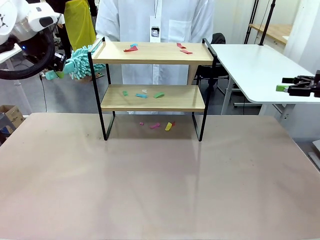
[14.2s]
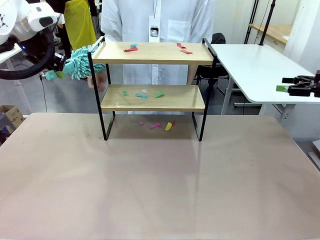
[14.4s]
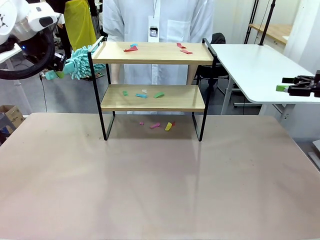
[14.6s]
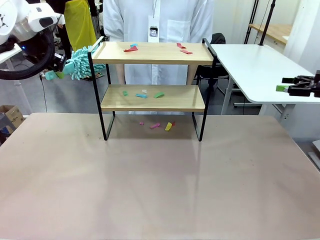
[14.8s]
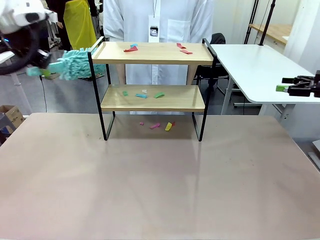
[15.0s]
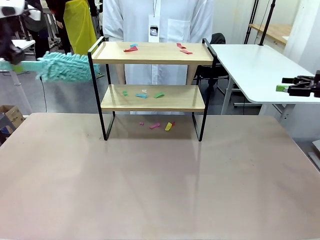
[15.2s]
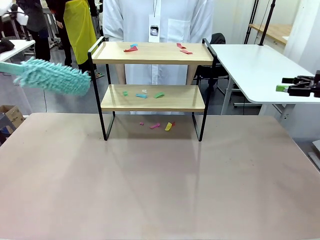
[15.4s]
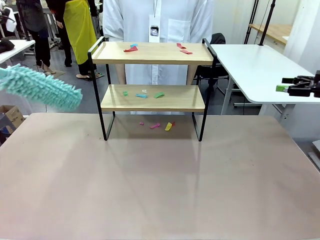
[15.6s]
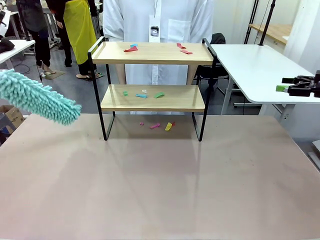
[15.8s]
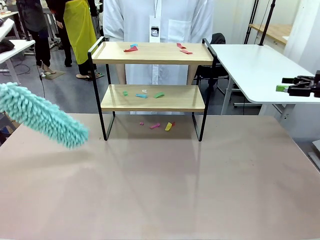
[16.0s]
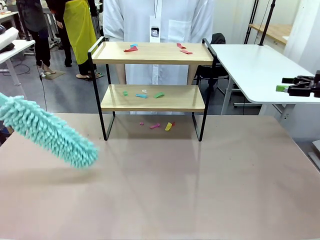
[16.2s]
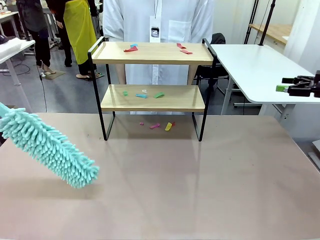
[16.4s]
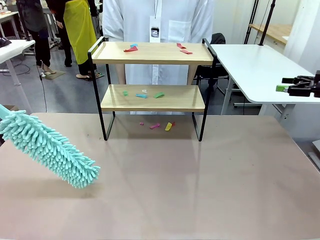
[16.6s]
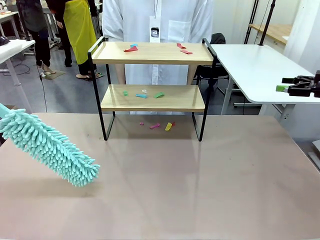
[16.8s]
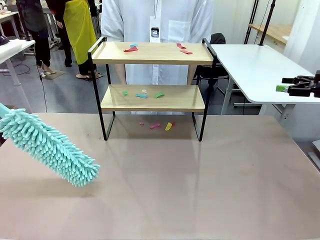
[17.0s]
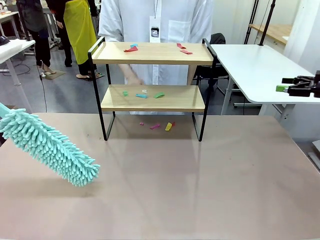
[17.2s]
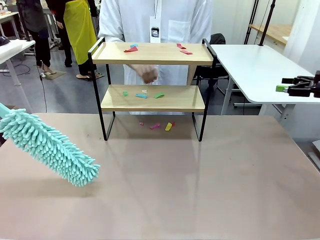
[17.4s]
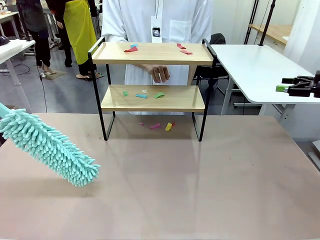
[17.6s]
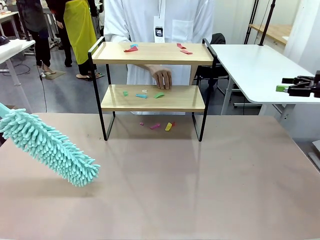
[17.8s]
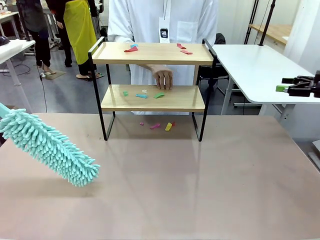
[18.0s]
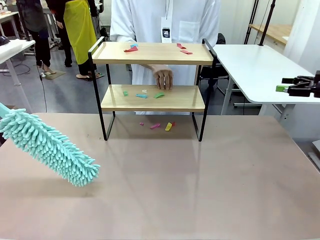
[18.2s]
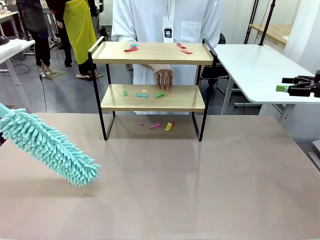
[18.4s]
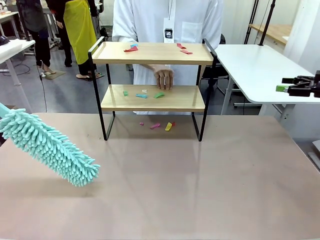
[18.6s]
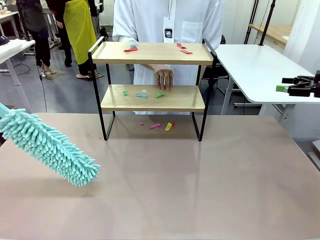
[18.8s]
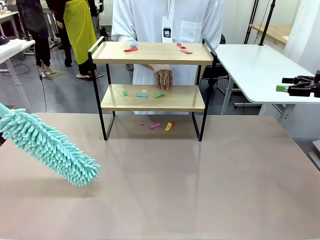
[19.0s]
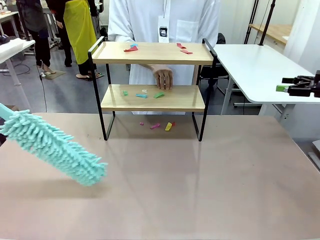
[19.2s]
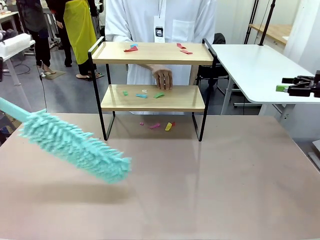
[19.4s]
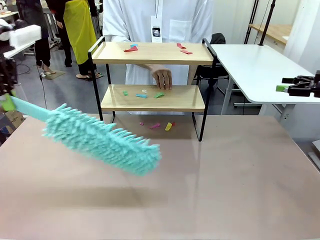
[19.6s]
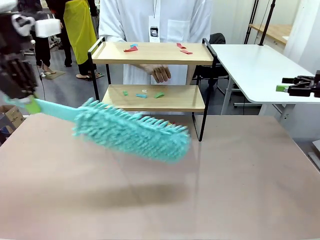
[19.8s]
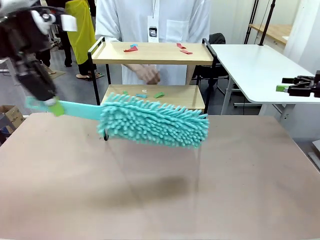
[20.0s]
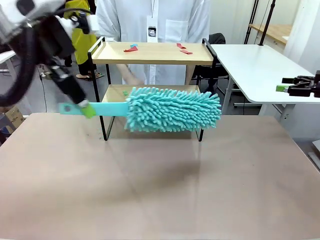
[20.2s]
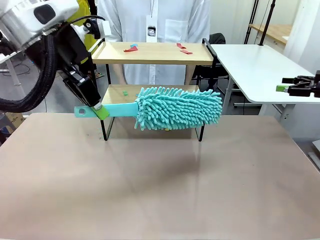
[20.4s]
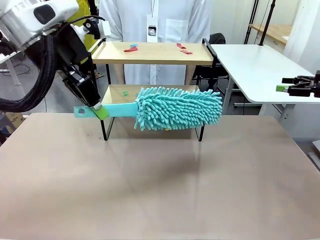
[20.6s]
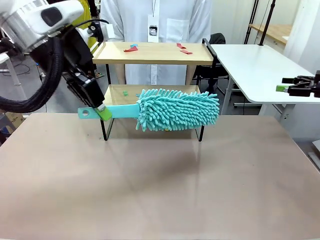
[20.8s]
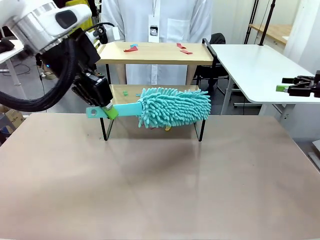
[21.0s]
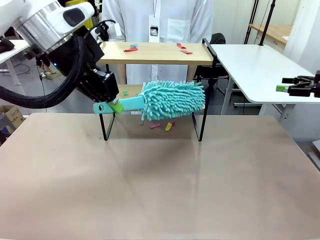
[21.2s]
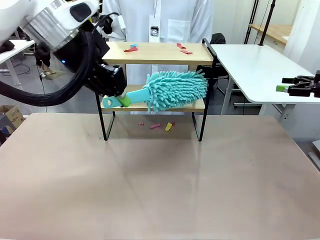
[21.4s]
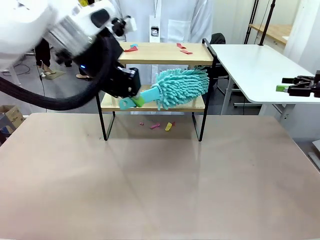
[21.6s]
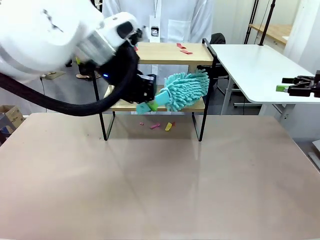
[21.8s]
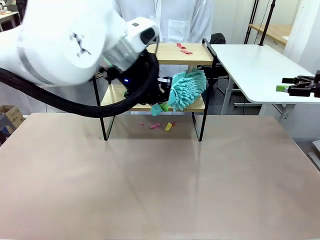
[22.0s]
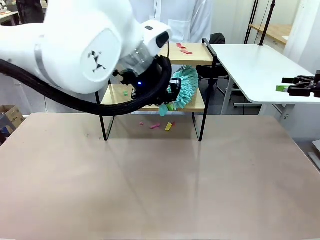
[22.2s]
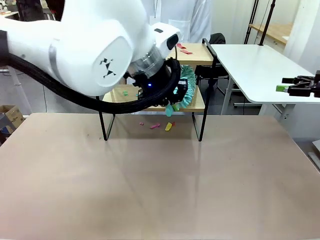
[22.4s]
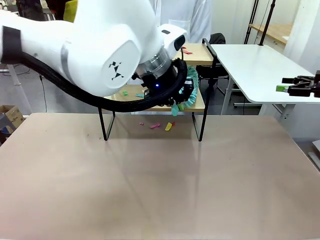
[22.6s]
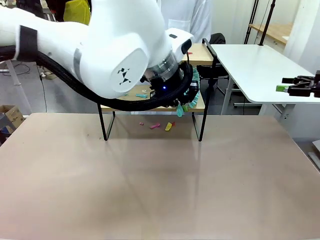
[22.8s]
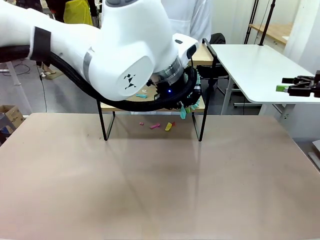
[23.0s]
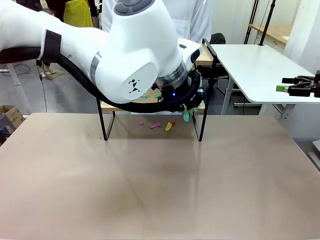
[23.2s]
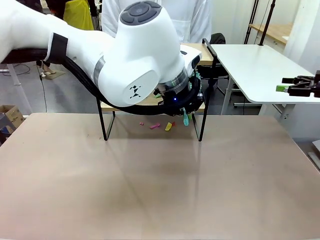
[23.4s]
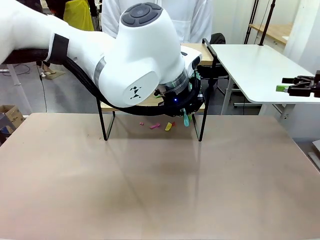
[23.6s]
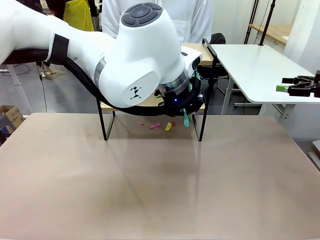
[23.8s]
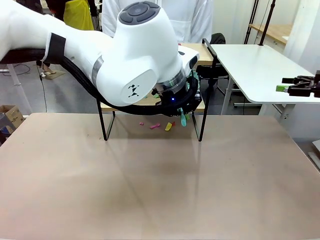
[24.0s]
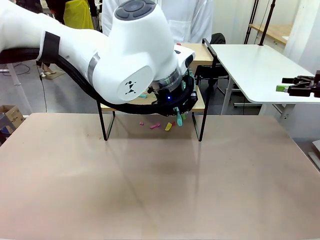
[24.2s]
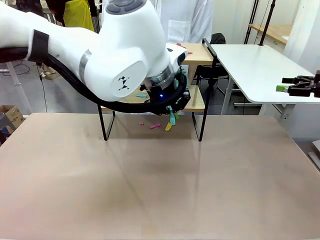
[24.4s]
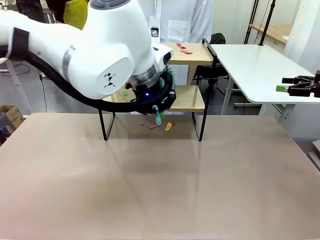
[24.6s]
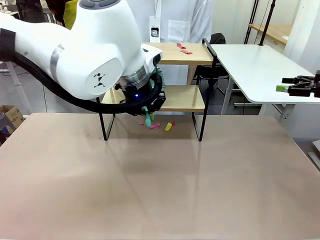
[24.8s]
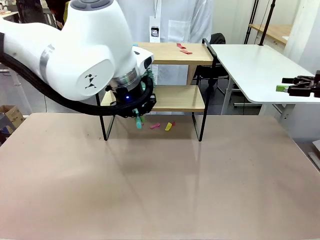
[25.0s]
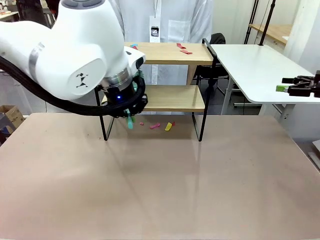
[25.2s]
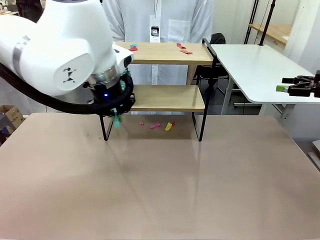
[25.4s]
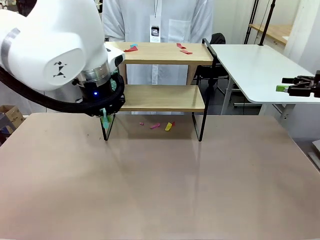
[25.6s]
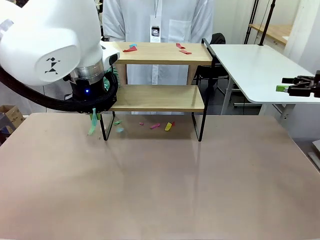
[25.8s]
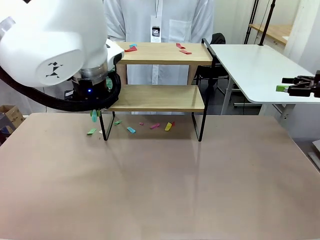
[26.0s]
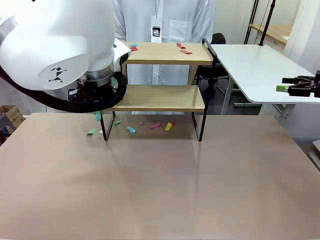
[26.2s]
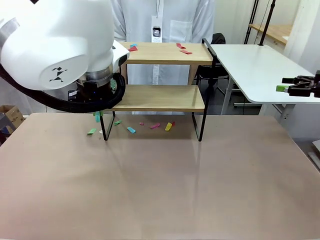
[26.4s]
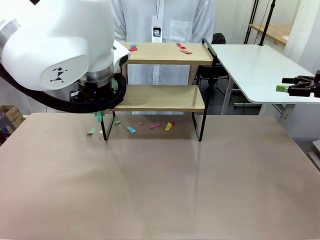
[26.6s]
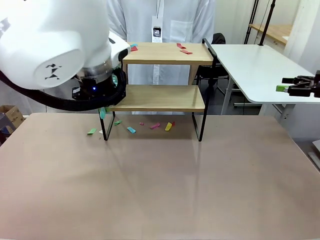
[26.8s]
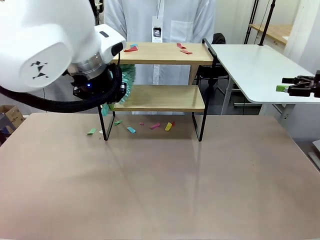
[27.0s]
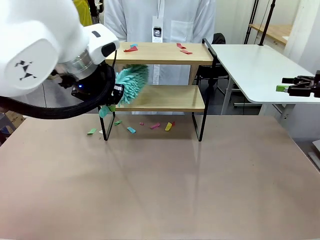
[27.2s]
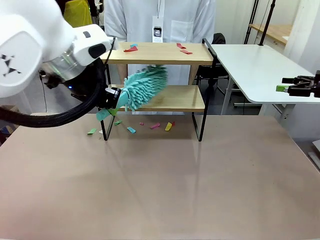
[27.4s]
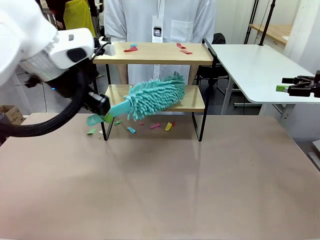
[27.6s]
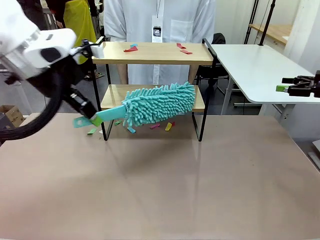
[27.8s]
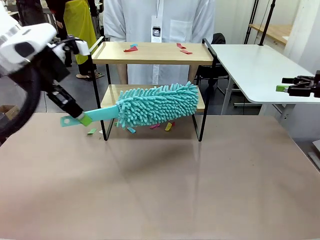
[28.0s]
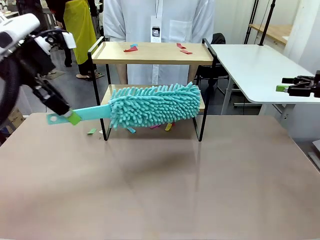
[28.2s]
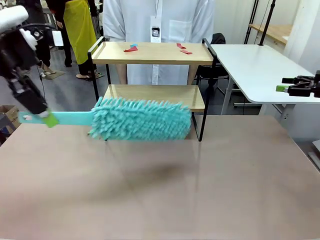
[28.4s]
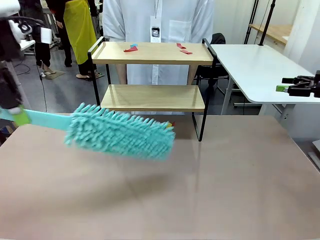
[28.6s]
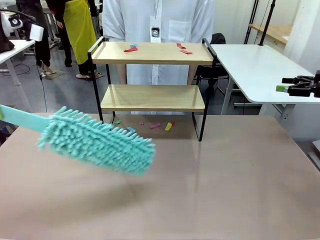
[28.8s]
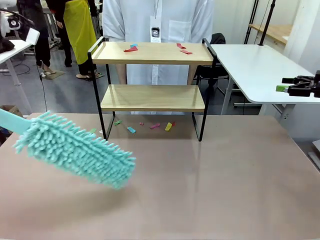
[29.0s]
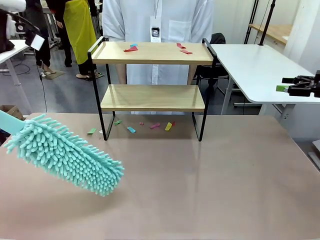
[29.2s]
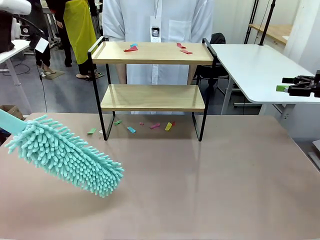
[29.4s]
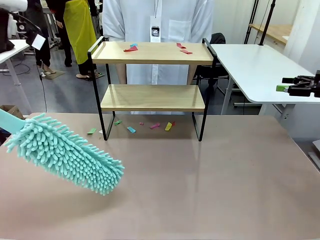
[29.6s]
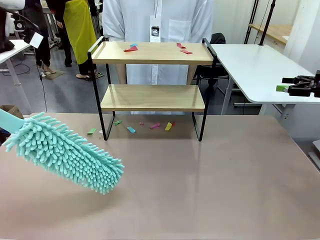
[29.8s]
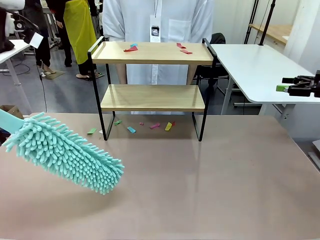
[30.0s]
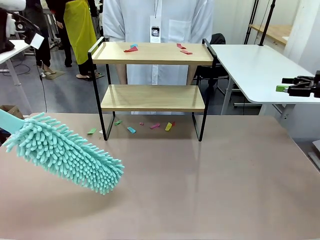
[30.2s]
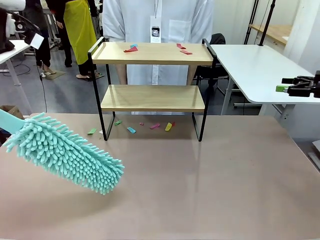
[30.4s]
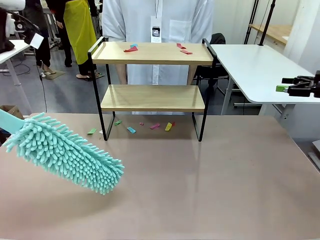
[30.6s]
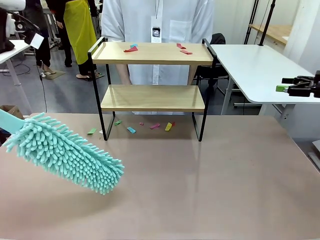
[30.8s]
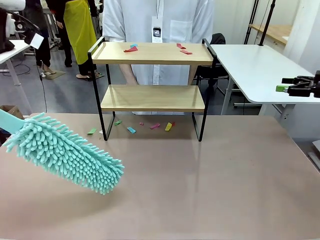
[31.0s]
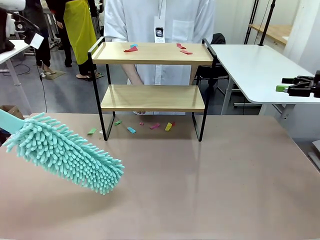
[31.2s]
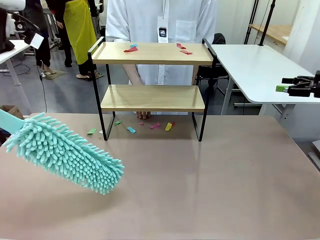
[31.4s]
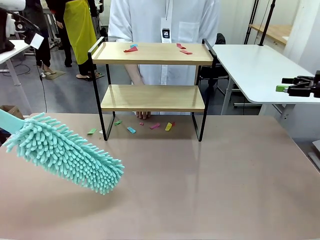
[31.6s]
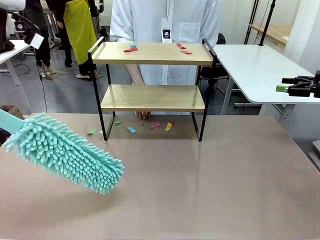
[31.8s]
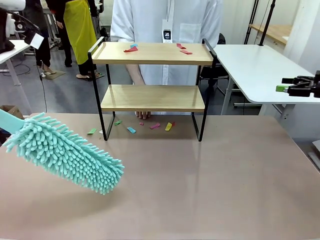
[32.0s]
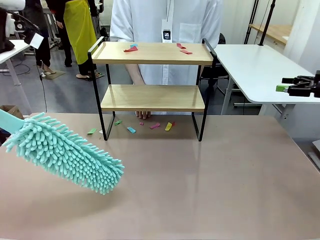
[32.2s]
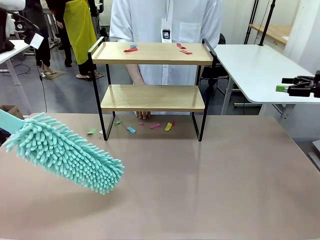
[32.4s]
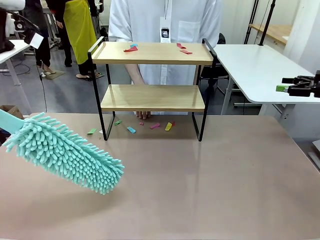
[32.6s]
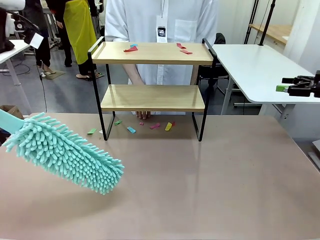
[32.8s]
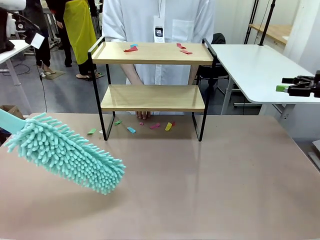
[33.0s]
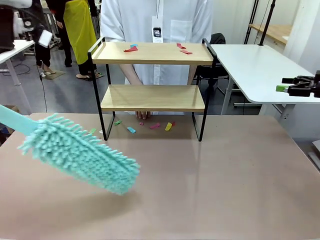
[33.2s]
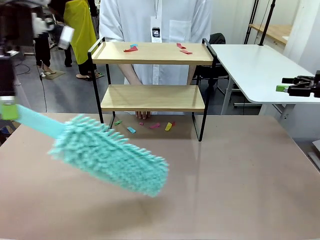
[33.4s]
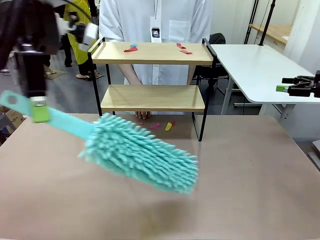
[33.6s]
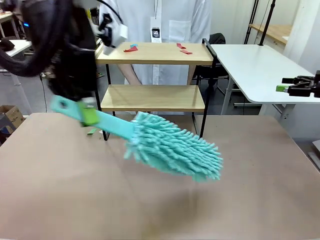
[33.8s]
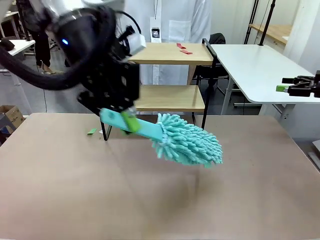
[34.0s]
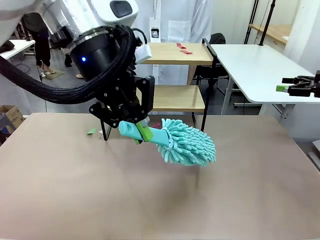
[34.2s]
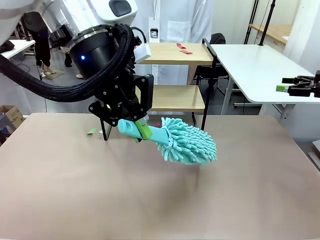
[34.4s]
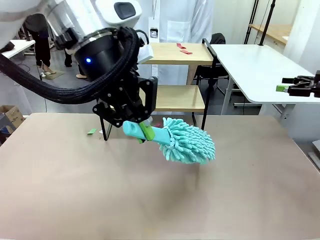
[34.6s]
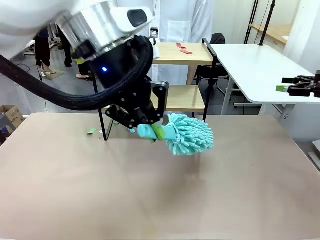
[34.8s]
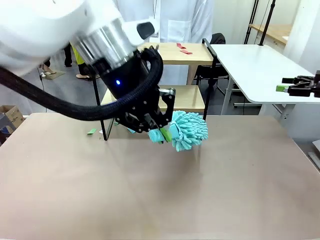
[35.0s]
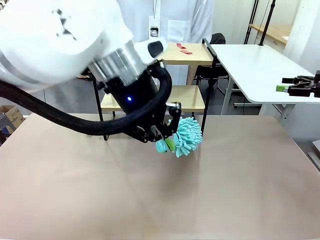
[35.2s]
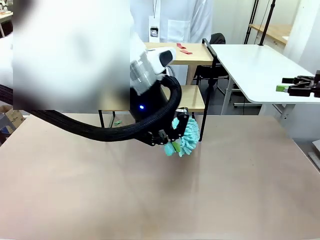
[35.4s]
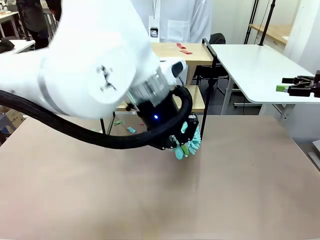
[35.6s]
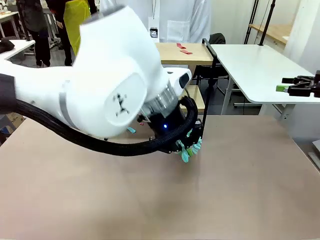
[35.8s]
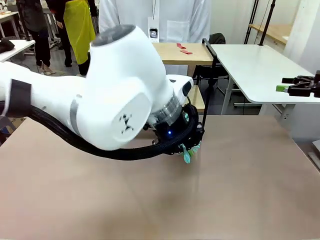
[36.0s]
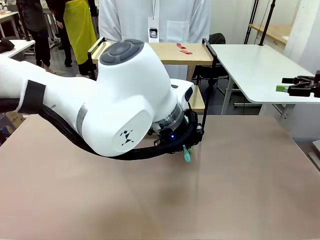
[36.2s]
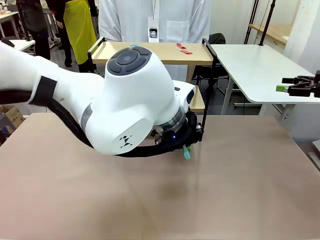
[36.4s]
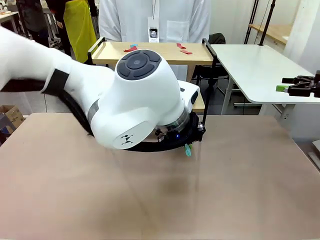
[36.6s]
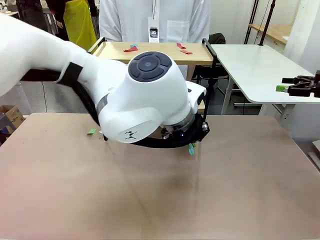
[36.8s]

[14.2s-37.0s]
Task: Clean the shelf.
Robot: Clean the specific section of the Shelf indicated by the human with the Duster.
Person: Point a random section of the Shelf.
